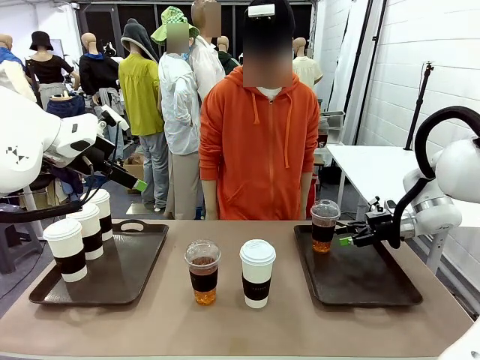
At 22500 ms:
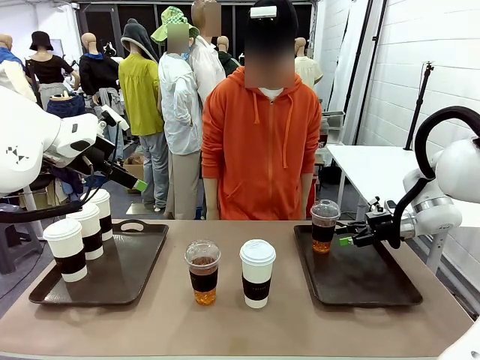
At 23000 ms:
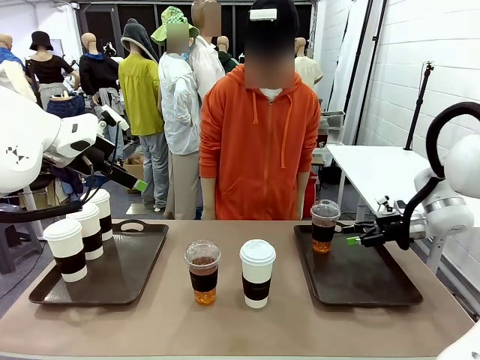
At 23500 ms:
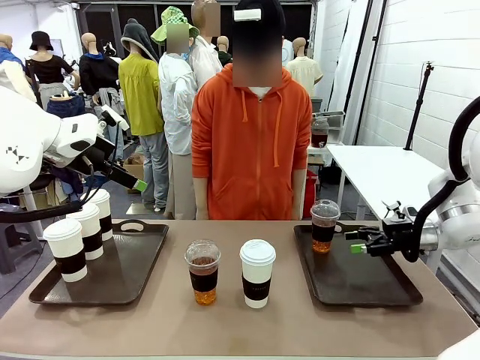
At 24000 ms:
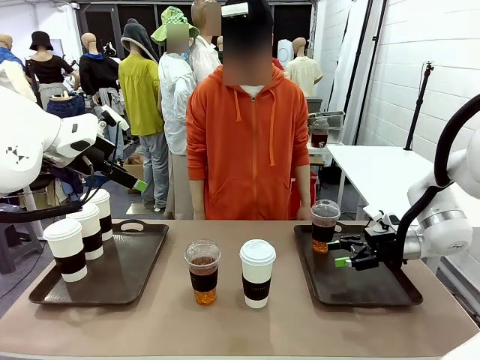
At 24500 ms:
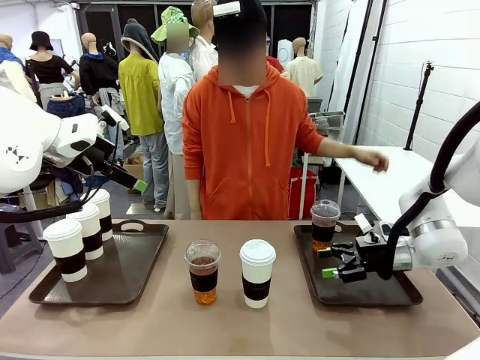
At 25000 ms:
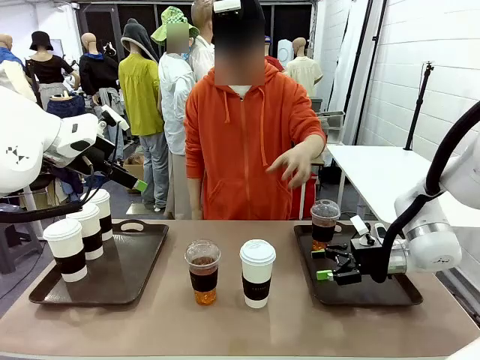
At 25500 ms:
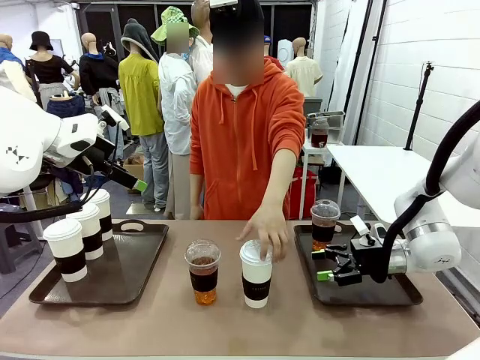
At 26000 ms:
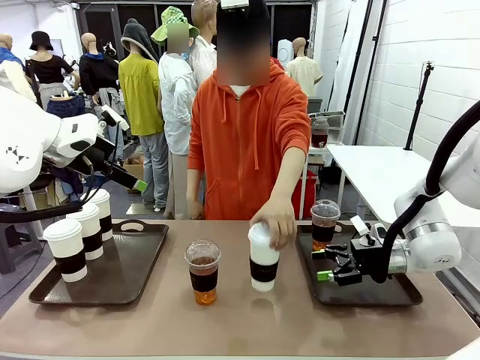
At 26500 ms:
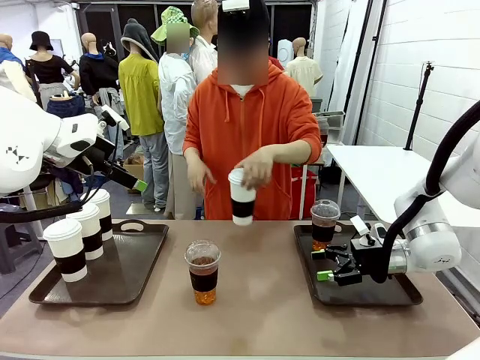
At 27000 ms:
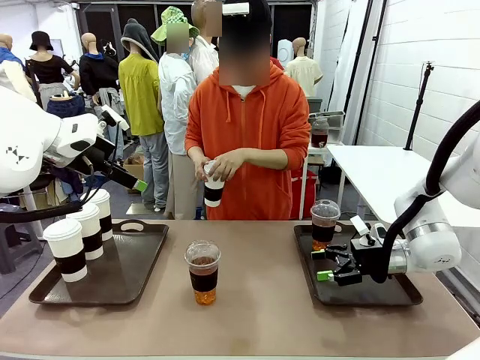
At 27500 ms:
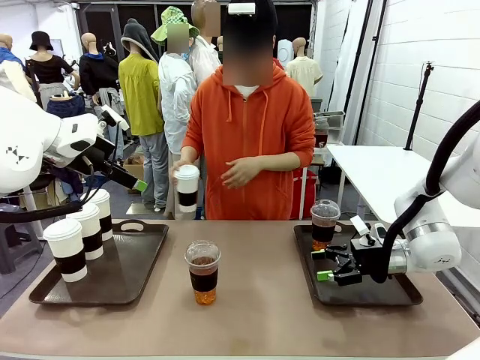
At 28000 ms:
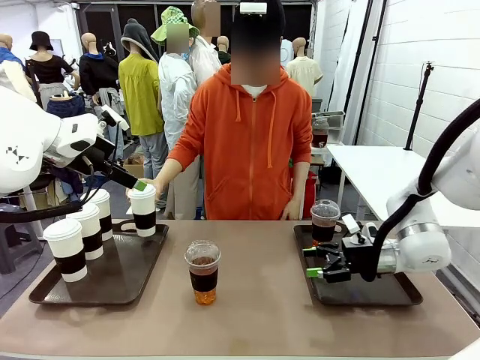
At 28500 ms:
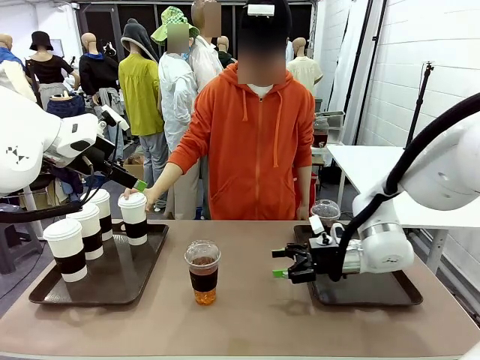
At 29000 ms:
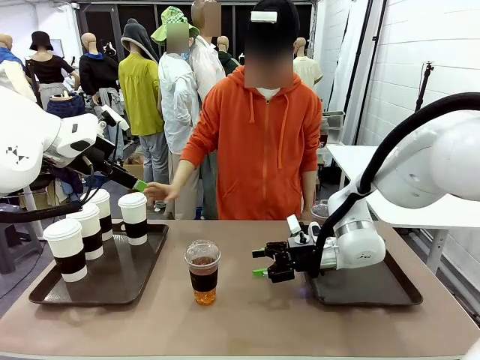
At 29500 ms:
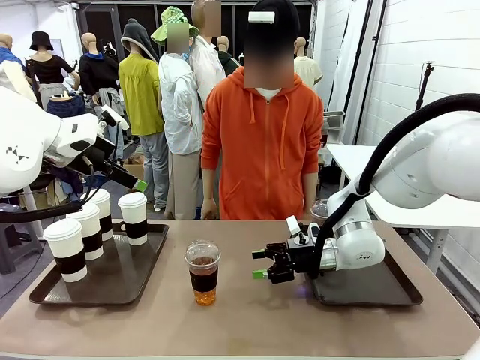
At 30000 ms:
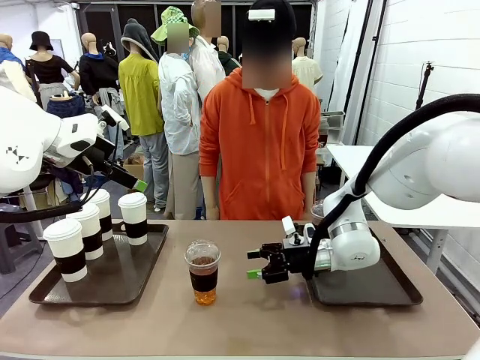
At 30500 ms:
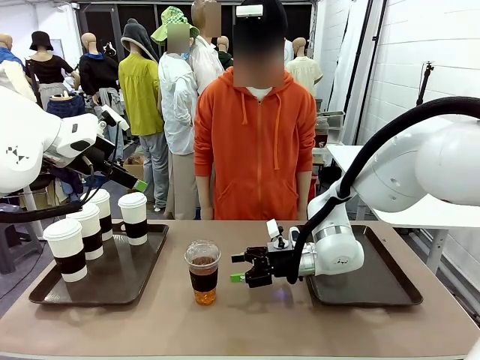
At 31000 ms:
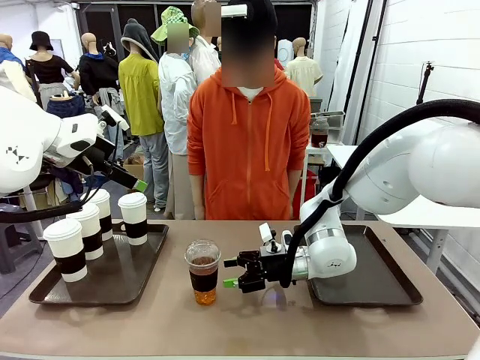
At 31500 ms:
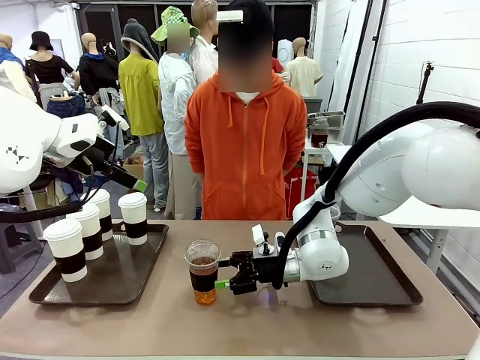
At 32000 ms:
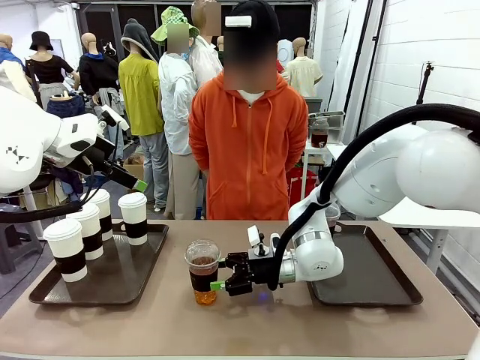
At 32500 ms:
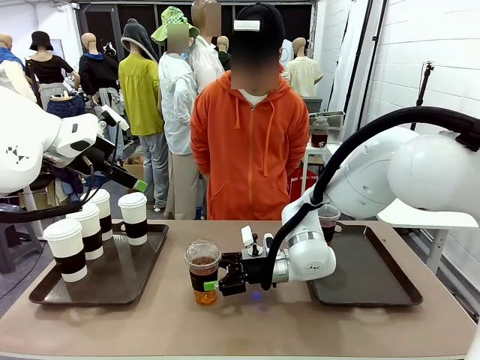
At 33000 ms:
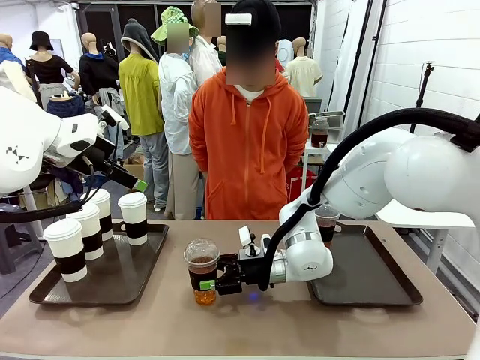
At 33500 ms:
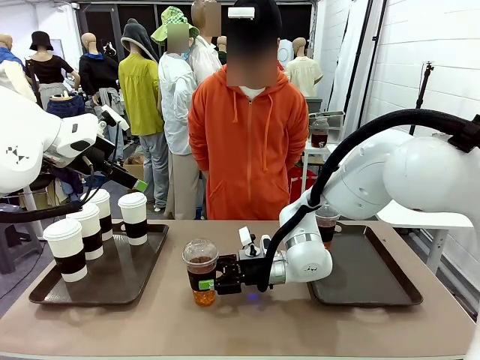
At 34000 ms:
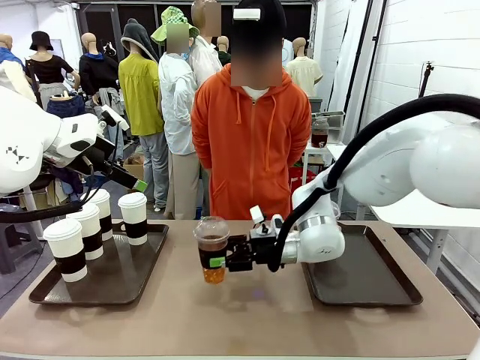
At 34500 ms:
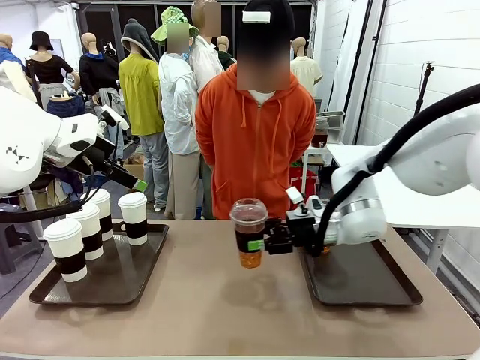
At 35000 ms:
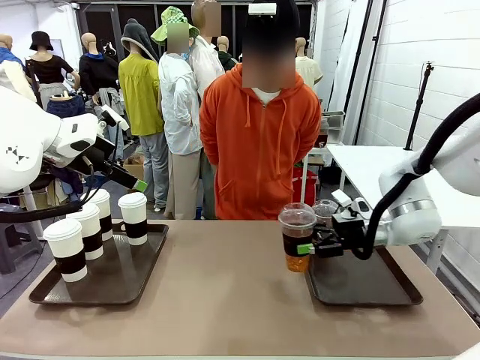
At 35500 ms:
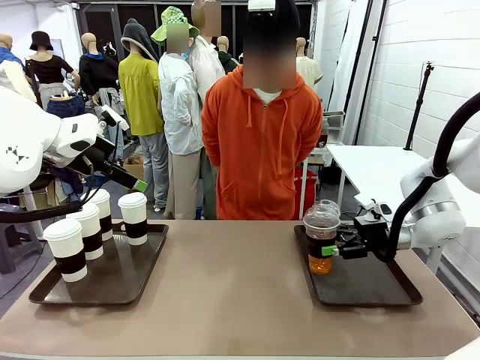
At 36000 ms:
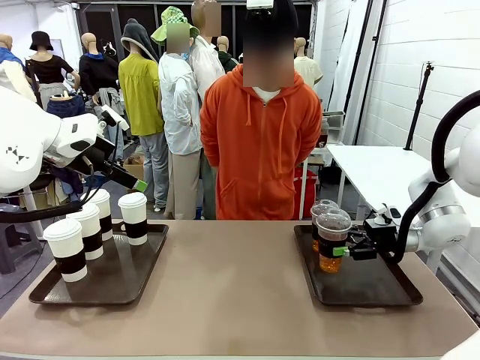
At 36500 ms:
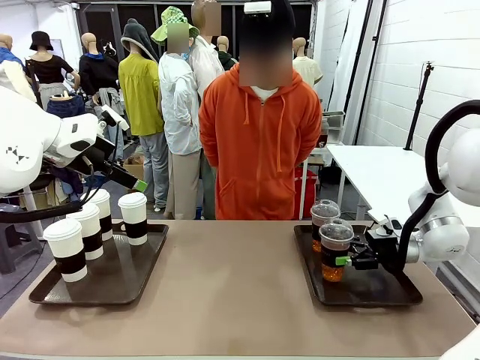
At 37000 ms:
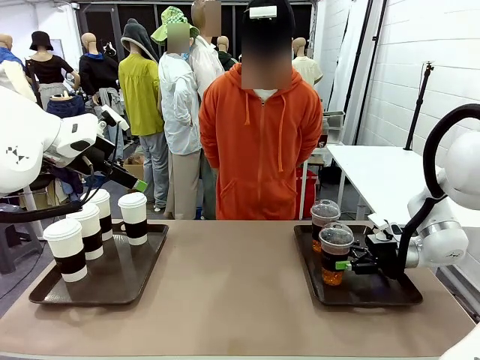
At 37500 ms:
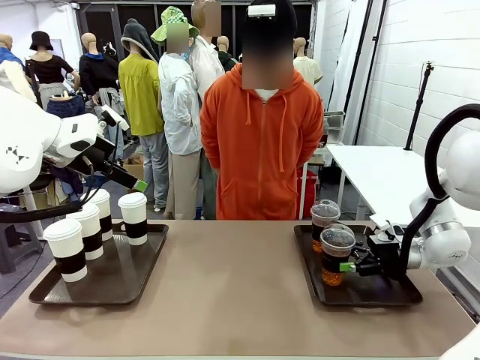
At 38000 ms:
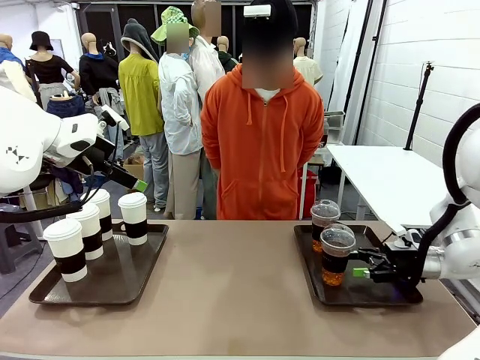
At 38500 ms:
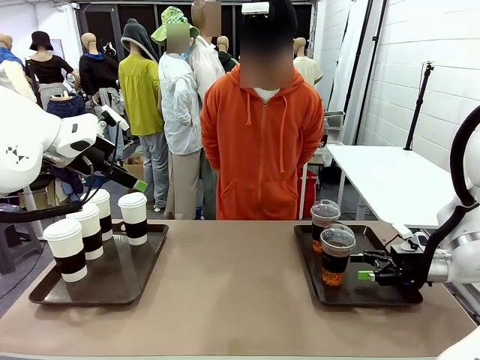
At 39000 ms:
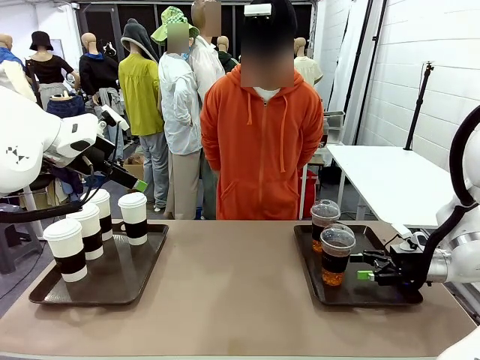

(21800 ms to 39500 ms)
Task: Distribute the coffee onto the tray.
Robot: Pick up another iced Americano from the middle of the table and place it on the right Handle tray.
Person: Pick up a cup of hot Americano from the middle of the table and place it on the right tray.
